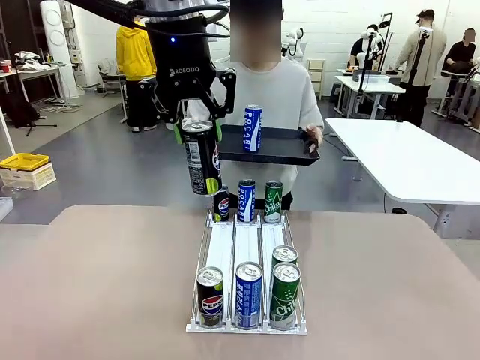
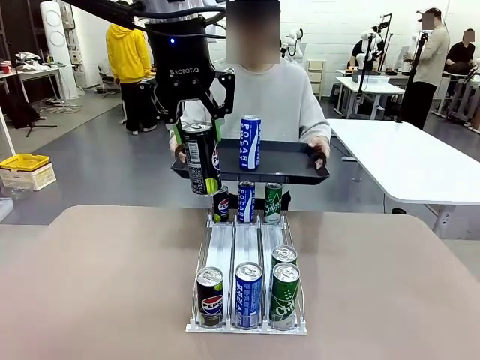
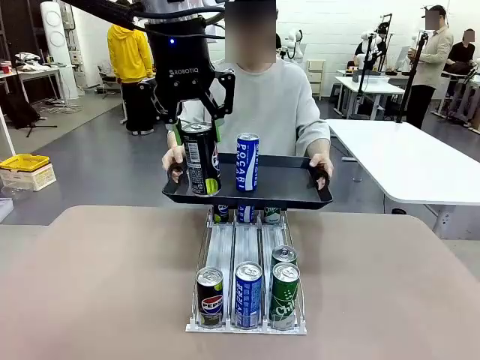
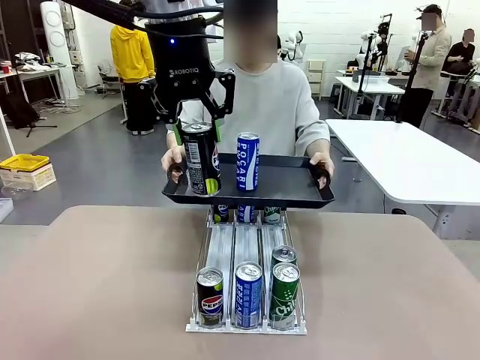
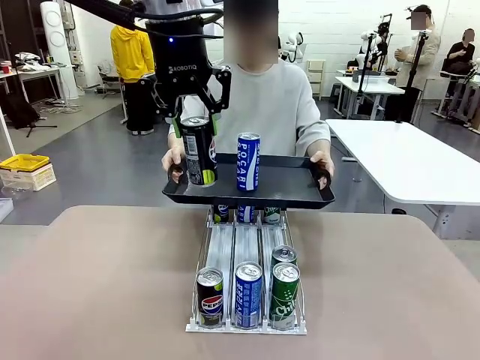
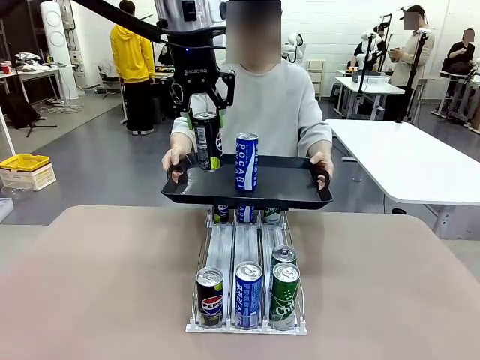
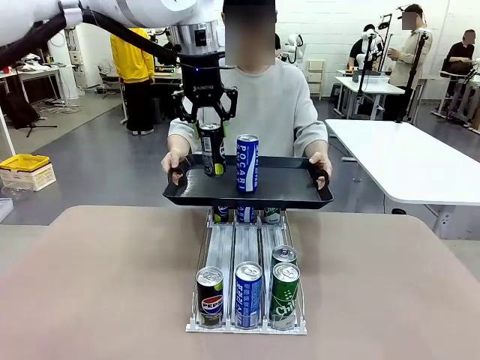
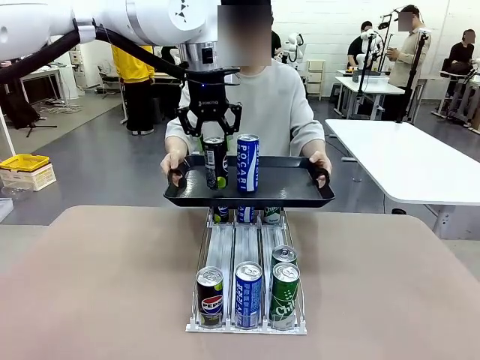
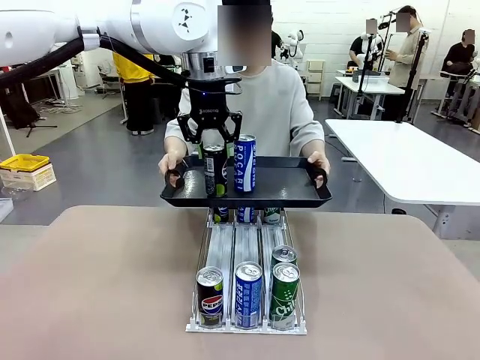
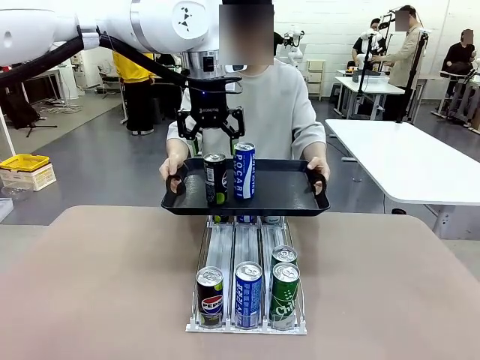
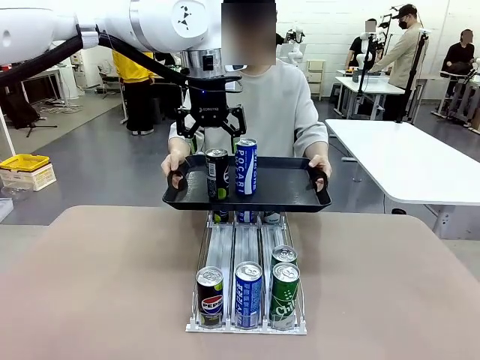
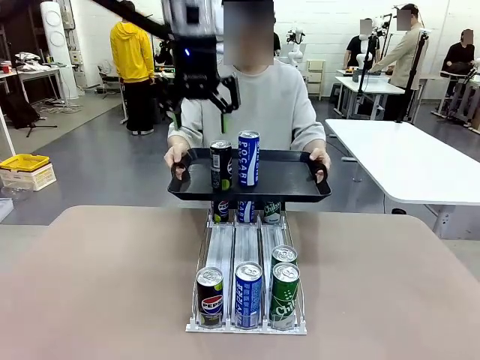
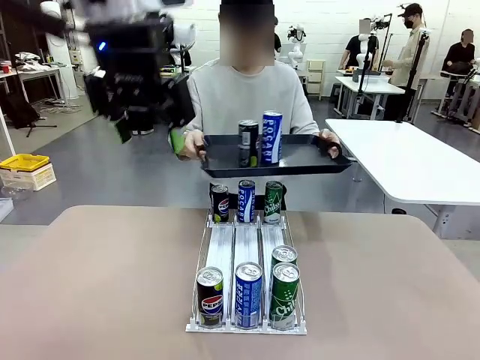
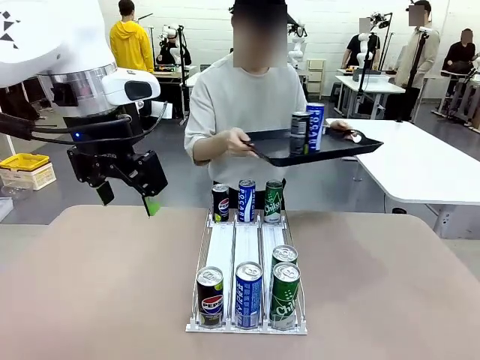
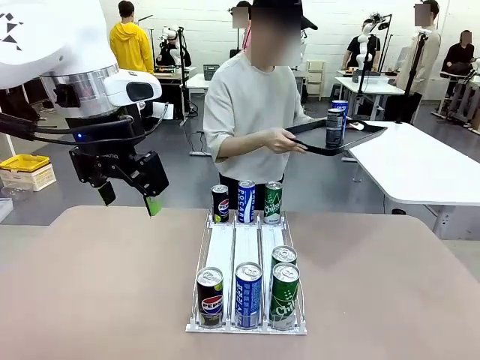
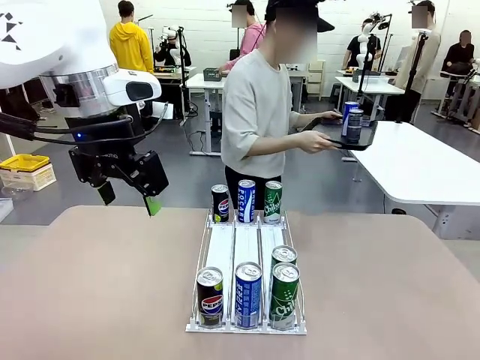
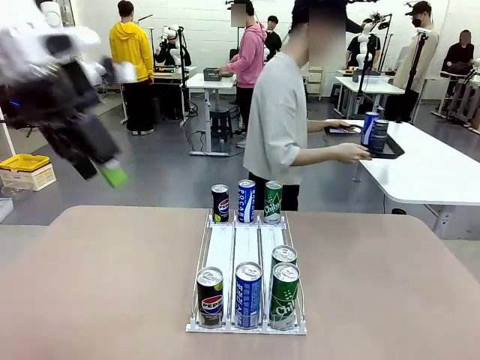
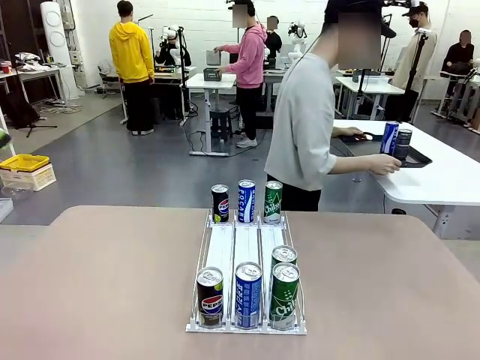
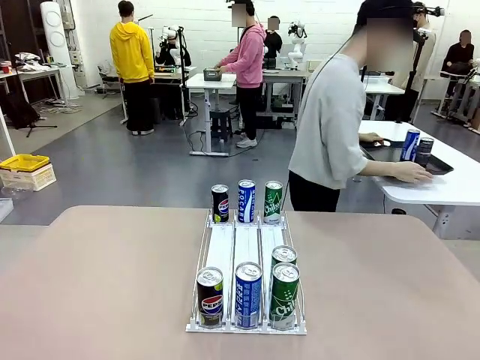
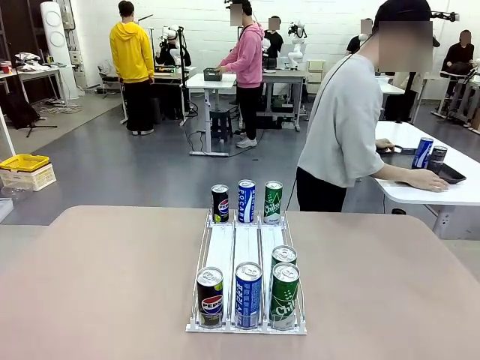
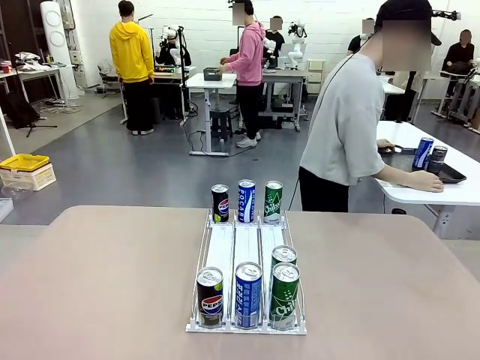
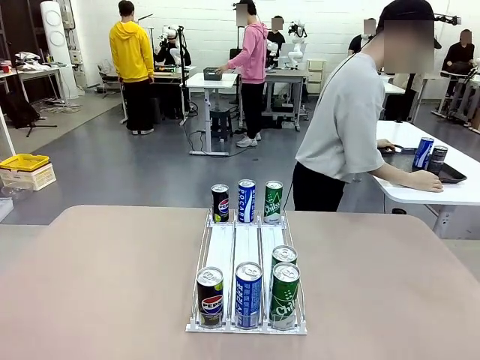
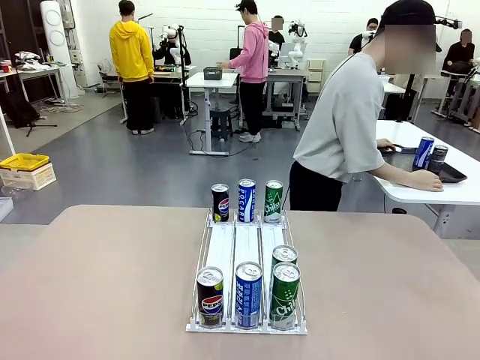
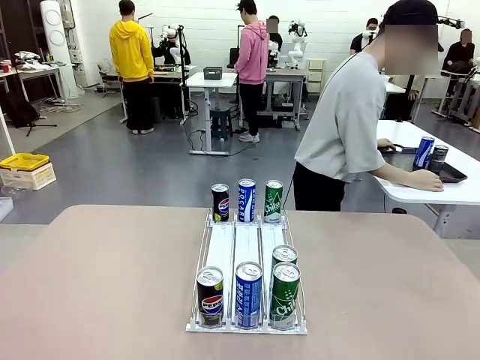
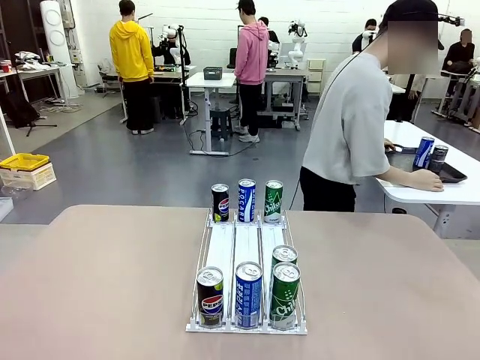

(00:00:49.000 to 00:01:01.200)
Task: Retrieve and hand over the desired beverage to the person.
Robot: Place the picked can on the Handle tray extended by the person.
Person: Pull the tray back and place it at the center of the human table.
